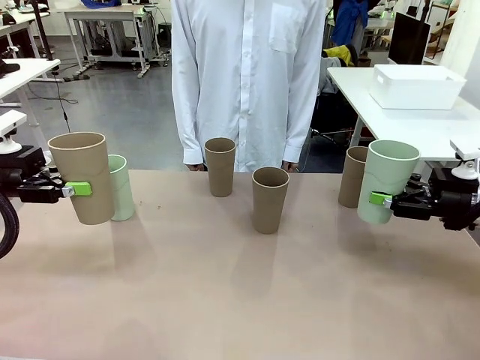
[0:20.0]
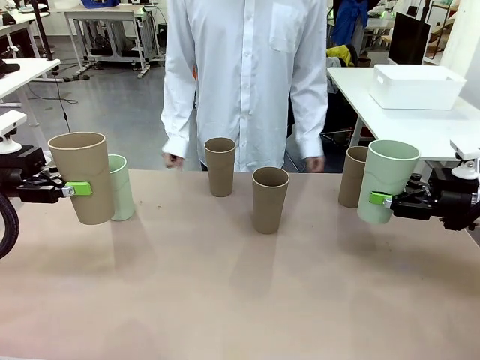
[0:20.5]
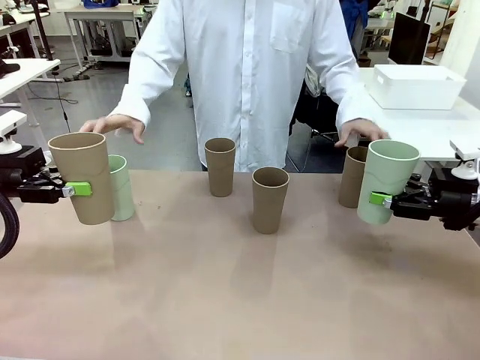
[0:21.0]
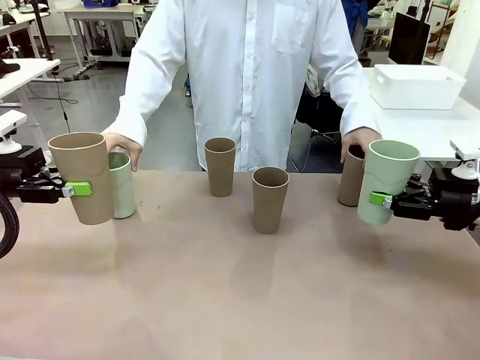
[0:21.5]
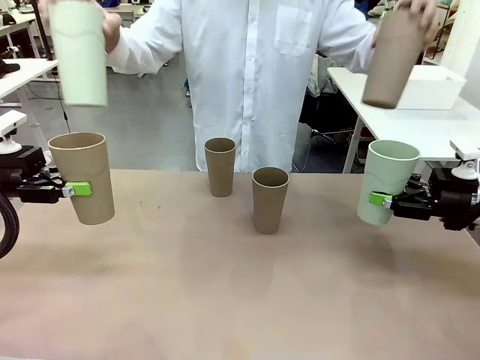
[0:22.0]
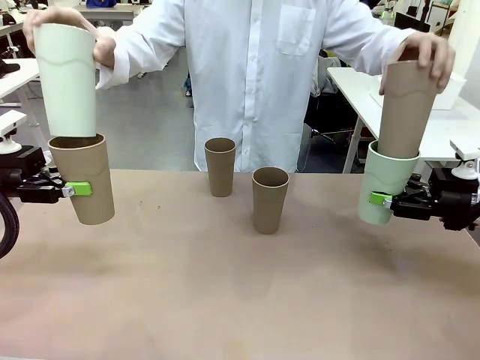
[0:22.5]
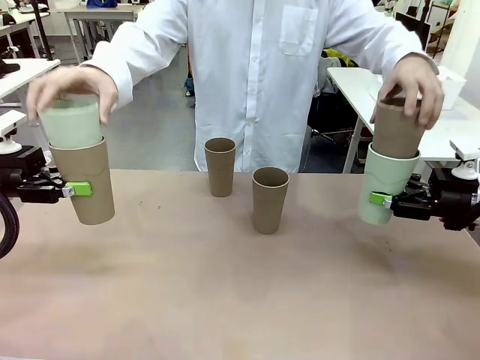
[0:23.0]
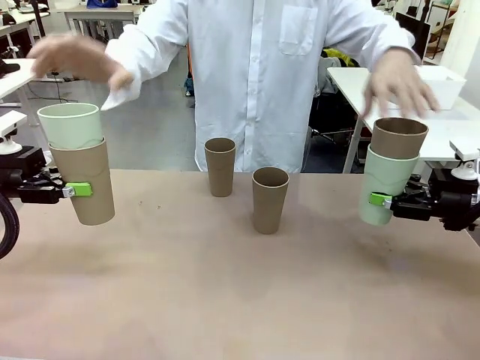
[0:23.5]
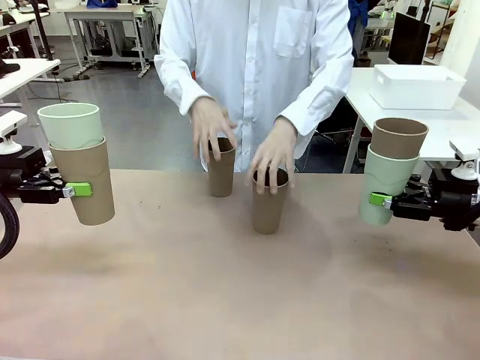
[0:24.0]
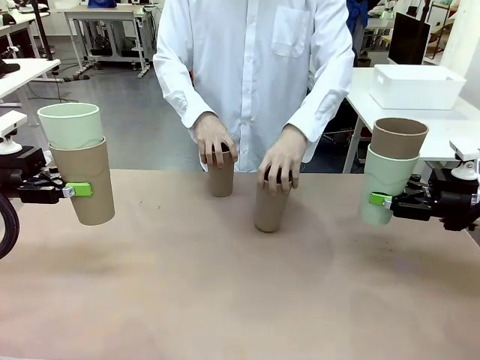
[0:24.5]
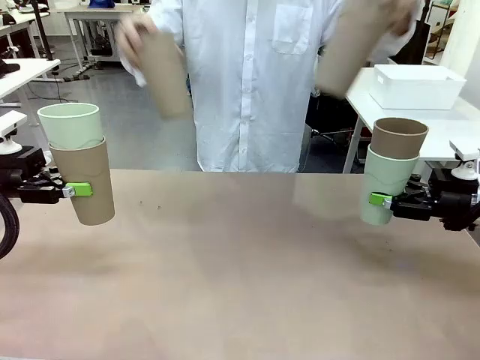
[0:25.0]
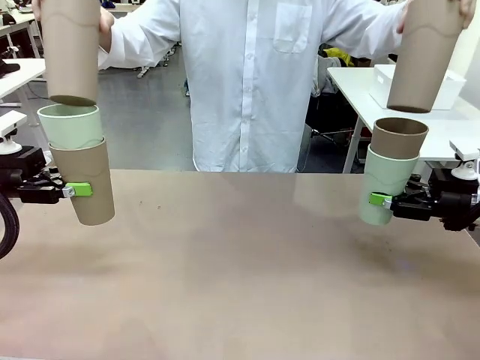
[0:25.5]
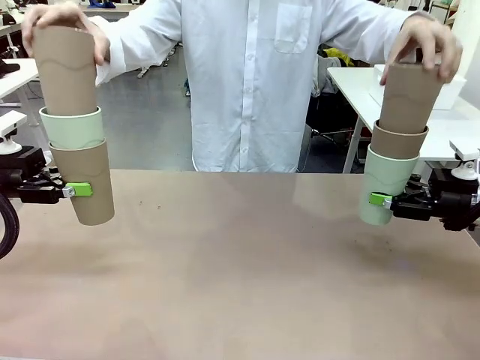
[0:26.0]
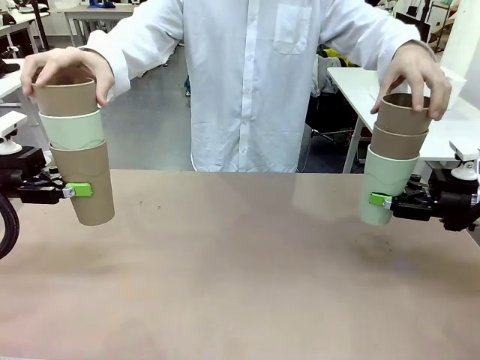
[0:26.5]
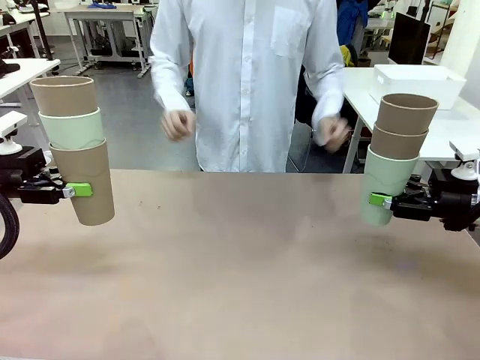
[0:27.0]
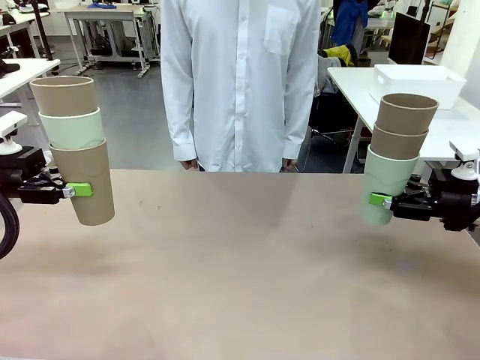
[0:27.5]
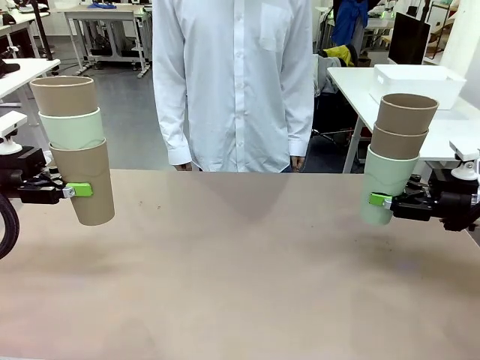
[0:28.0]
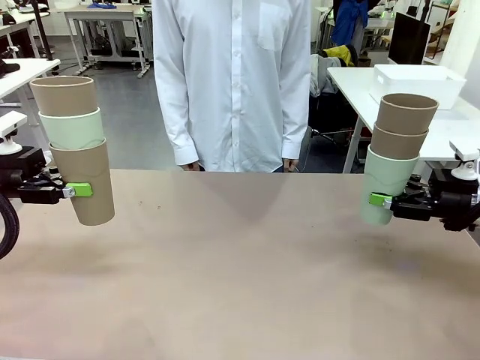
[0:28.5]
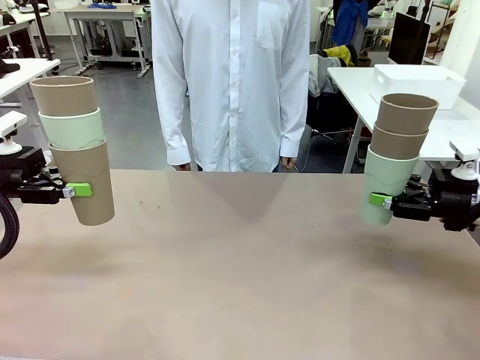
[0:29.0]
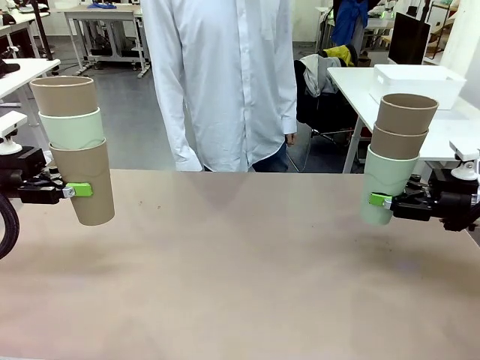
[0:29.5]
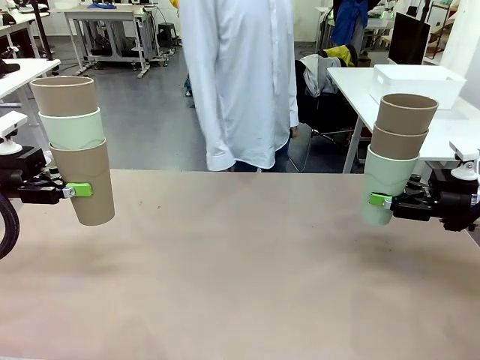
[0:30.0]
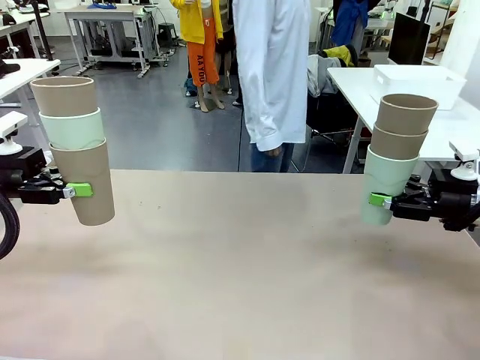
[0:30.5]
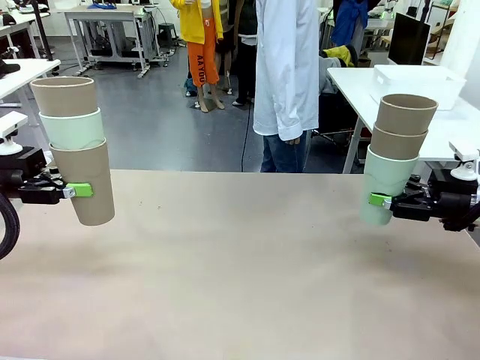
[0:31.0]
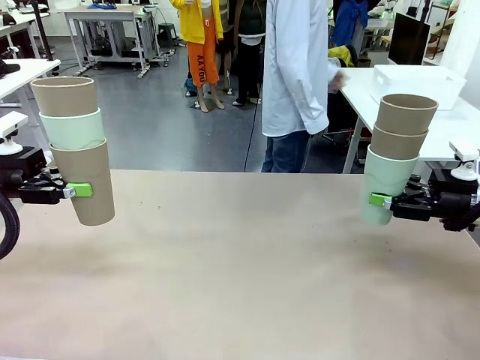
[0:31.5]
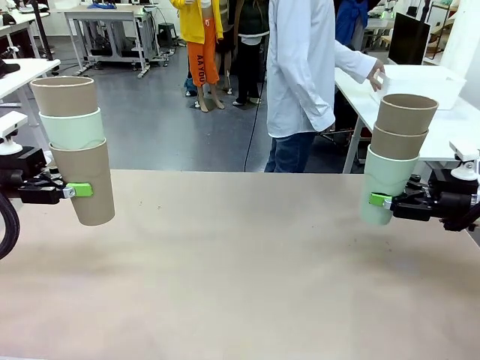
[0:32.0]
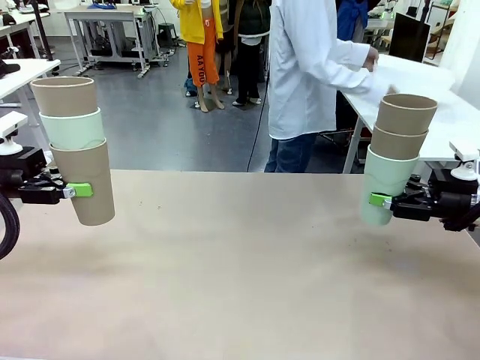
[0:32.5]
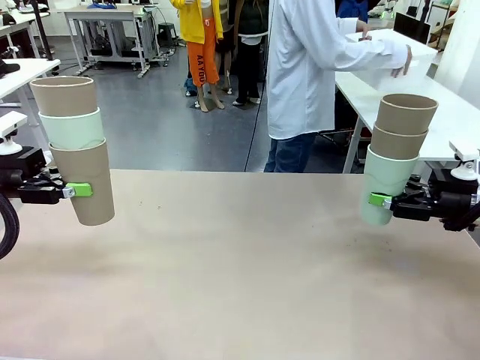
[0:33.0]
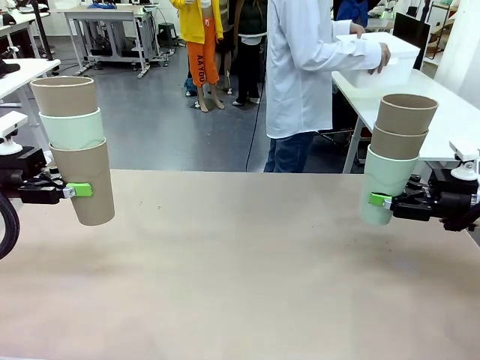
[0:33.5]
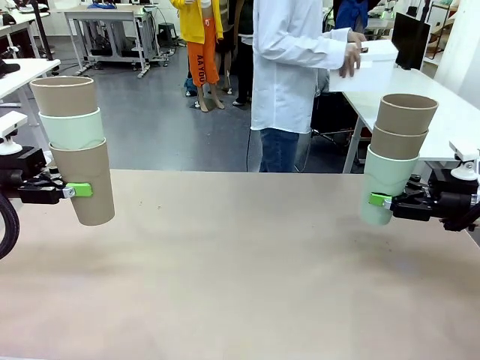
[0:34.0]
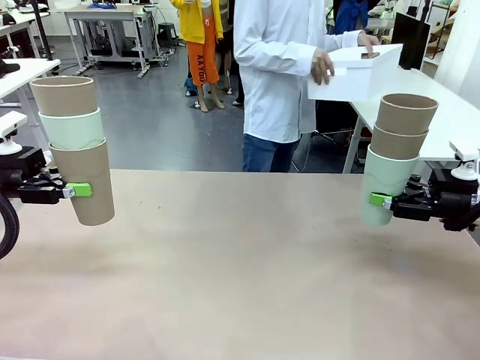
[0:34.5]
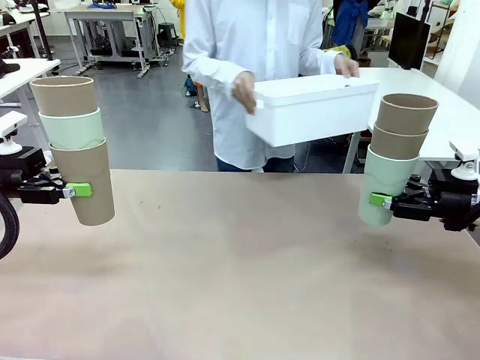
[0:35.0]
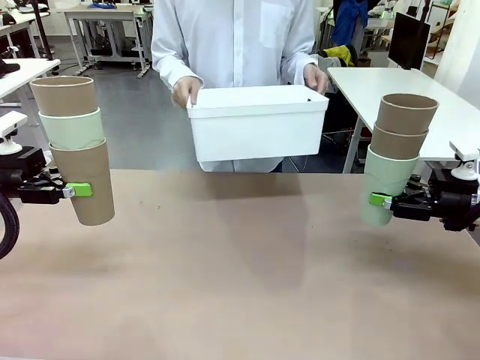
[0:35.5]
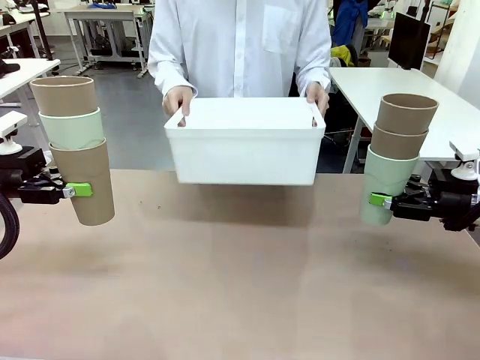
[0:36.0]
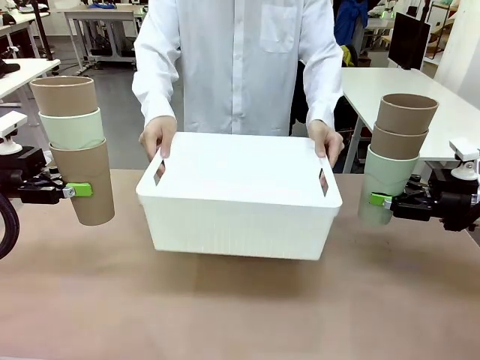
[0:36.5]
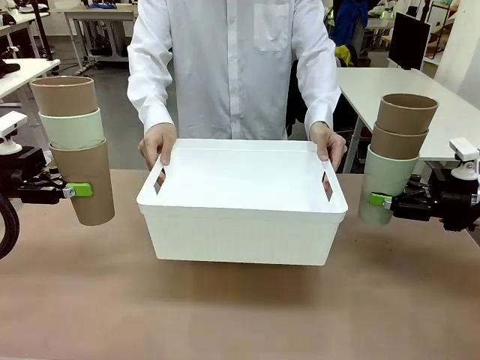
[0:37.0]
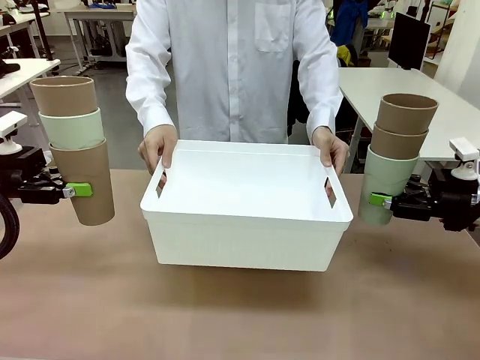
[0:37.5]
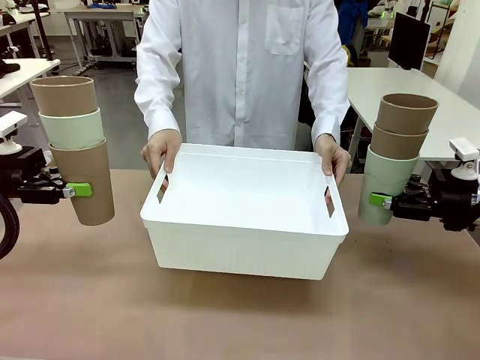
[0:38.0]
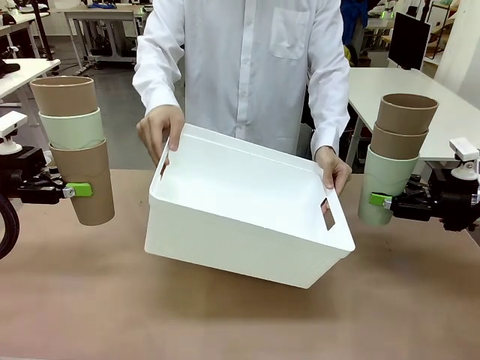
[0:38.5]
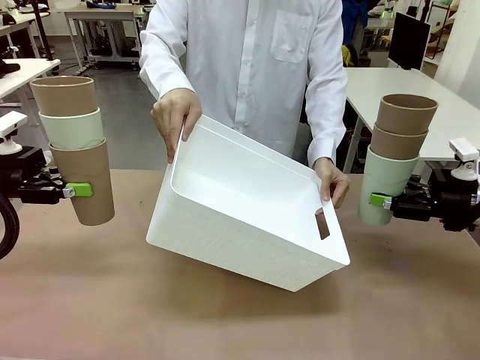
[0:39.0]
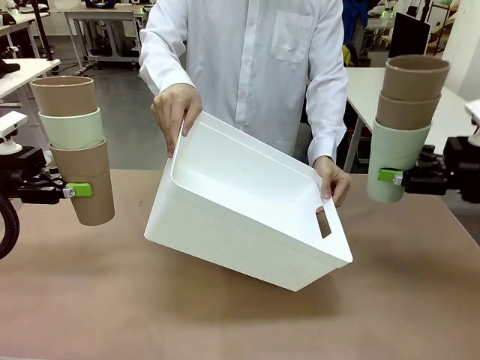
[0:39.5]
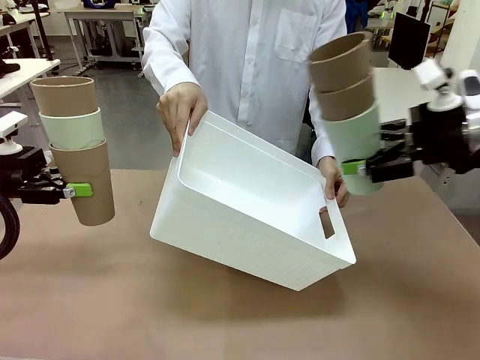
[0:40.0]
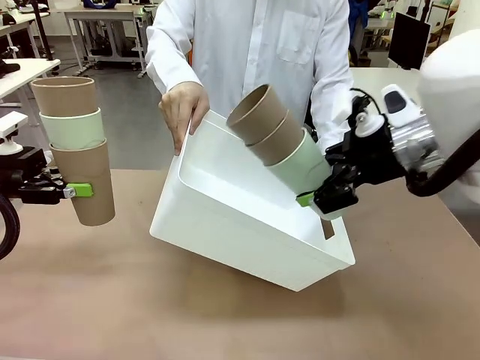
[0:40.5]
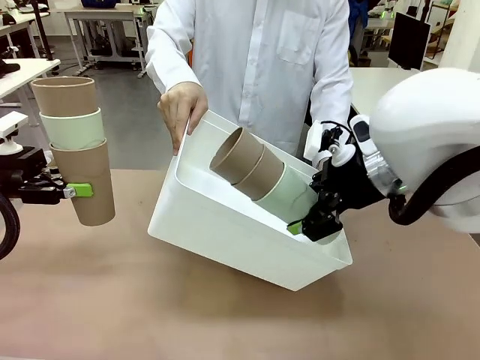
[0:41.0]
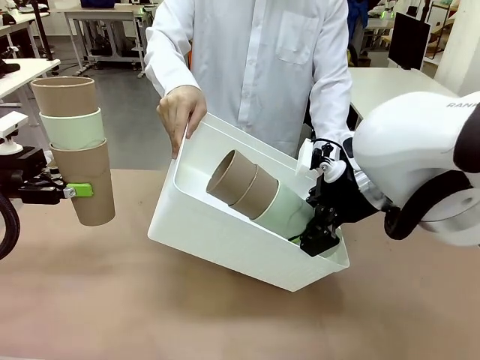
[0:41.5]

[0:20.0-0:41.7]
Task: Stack the cups and store them in the basket.
Robot: Place the stack of Reusable plastic cups into the Pantry Basket.
Person: Pick up the basket from the Human Table, bring it to the front of the robot, and present it.
